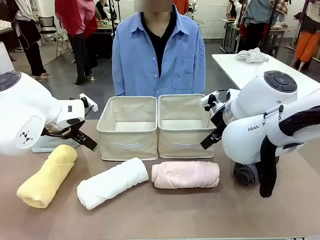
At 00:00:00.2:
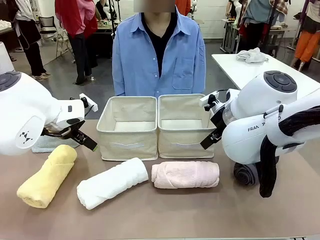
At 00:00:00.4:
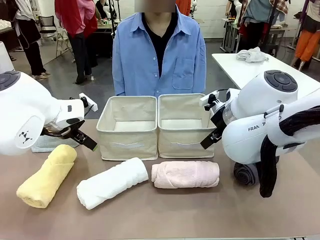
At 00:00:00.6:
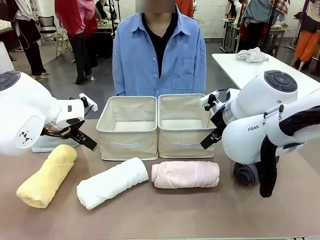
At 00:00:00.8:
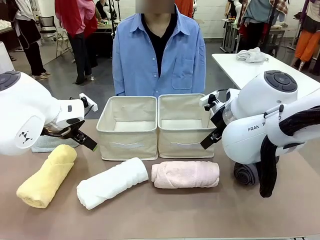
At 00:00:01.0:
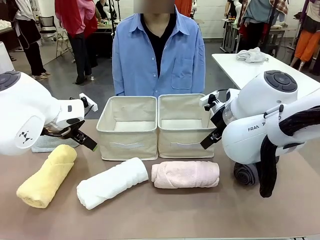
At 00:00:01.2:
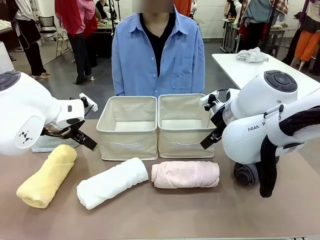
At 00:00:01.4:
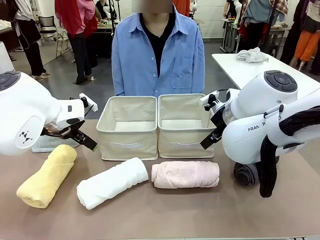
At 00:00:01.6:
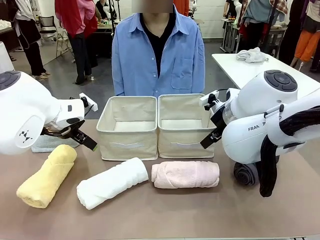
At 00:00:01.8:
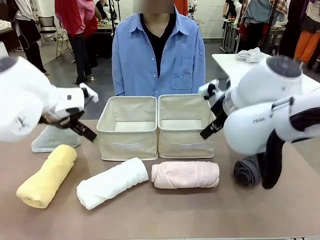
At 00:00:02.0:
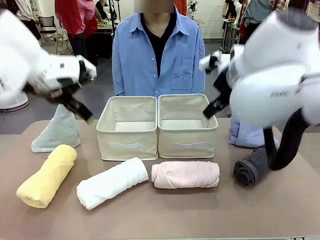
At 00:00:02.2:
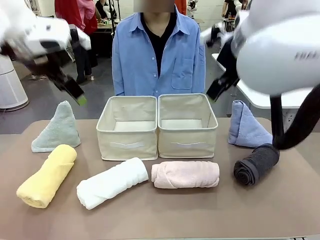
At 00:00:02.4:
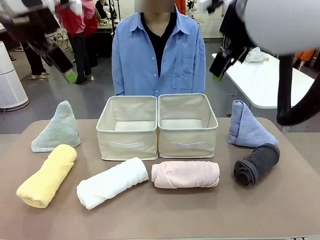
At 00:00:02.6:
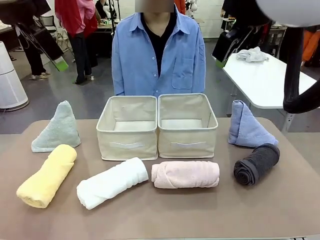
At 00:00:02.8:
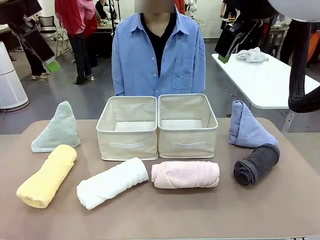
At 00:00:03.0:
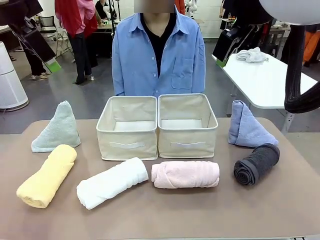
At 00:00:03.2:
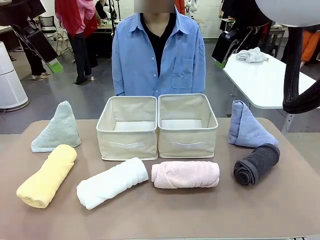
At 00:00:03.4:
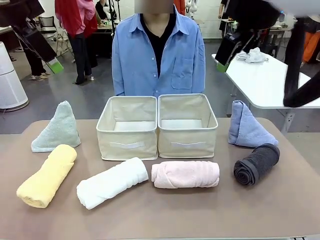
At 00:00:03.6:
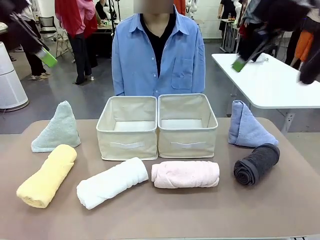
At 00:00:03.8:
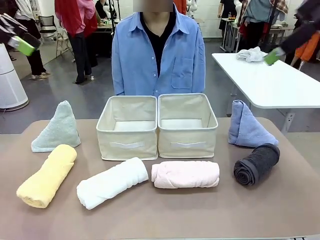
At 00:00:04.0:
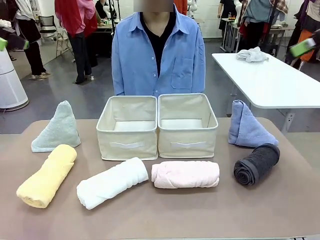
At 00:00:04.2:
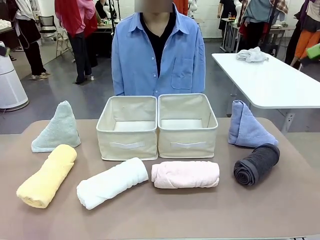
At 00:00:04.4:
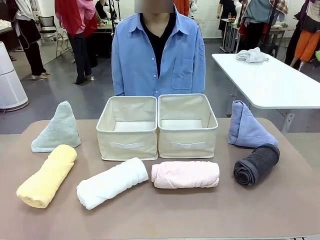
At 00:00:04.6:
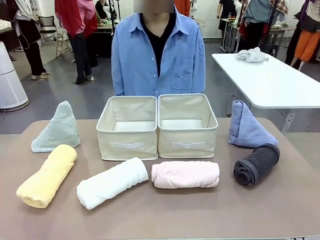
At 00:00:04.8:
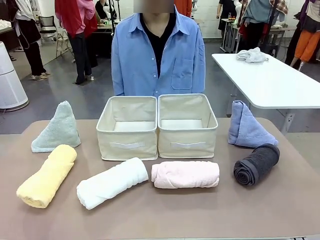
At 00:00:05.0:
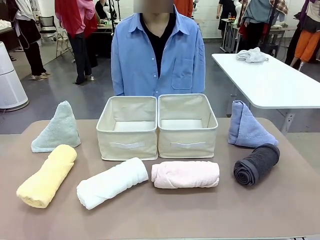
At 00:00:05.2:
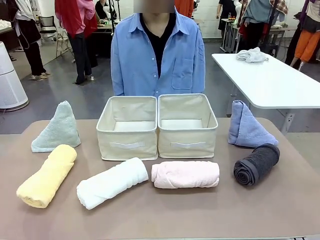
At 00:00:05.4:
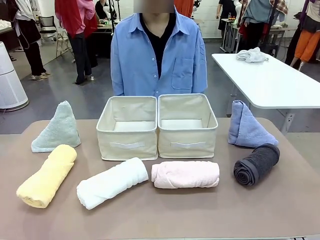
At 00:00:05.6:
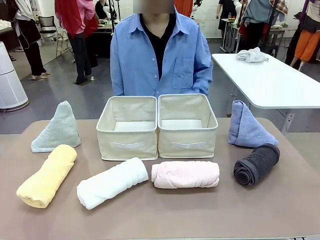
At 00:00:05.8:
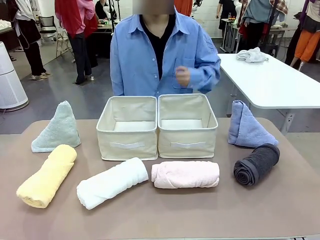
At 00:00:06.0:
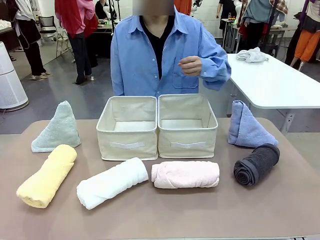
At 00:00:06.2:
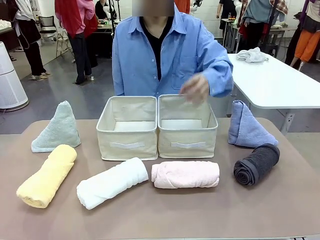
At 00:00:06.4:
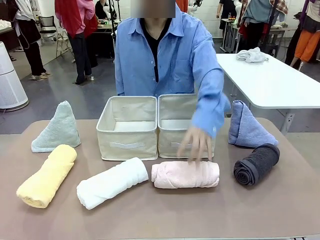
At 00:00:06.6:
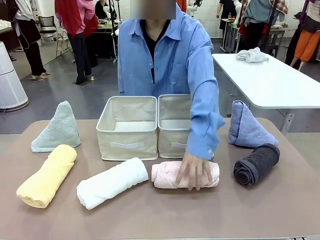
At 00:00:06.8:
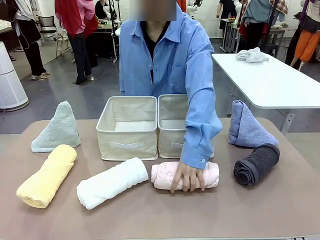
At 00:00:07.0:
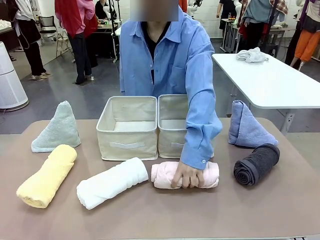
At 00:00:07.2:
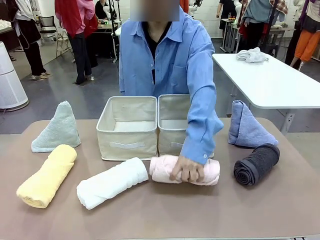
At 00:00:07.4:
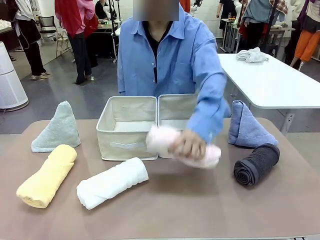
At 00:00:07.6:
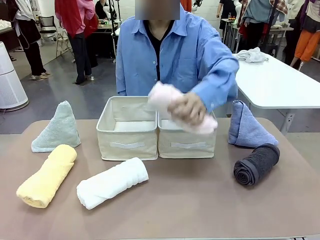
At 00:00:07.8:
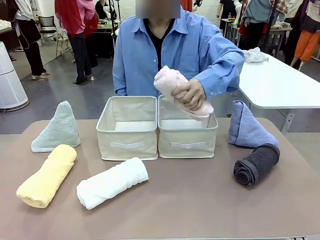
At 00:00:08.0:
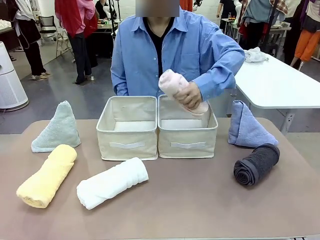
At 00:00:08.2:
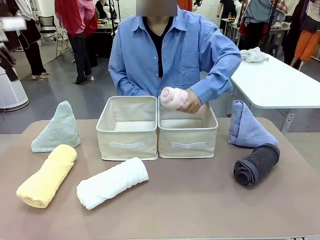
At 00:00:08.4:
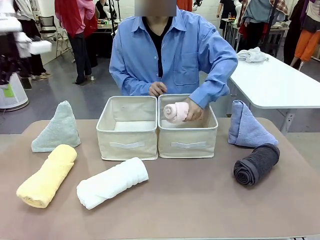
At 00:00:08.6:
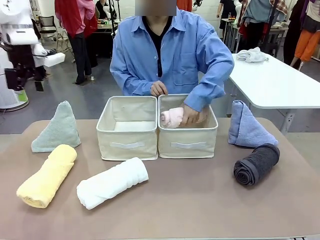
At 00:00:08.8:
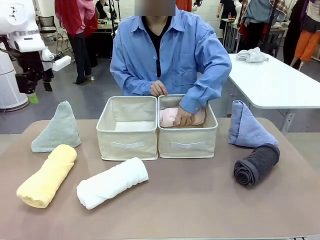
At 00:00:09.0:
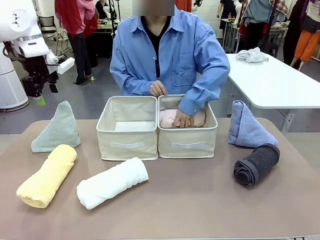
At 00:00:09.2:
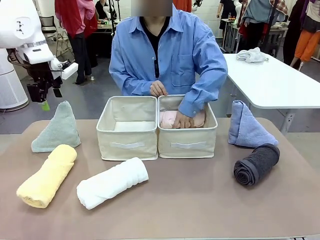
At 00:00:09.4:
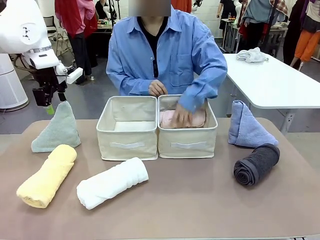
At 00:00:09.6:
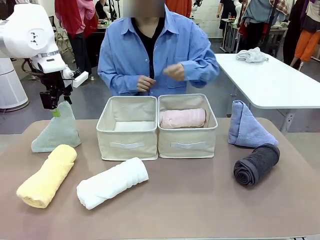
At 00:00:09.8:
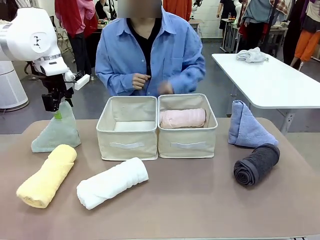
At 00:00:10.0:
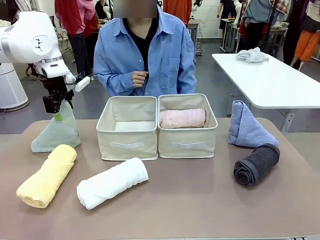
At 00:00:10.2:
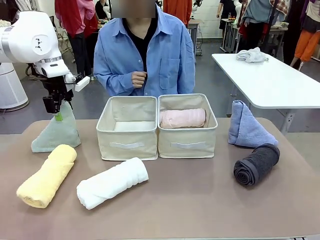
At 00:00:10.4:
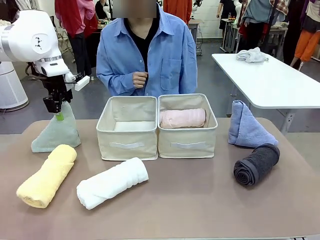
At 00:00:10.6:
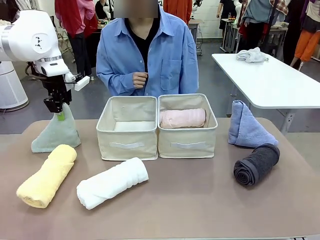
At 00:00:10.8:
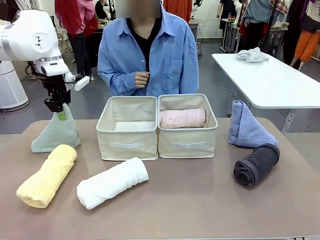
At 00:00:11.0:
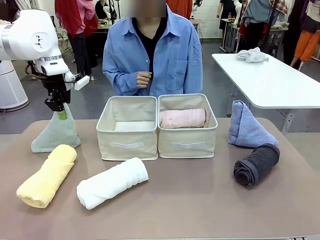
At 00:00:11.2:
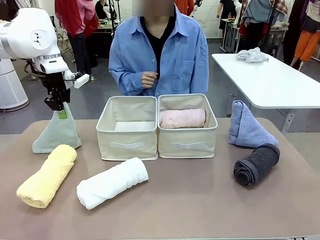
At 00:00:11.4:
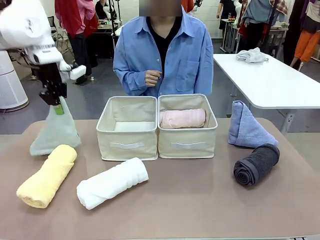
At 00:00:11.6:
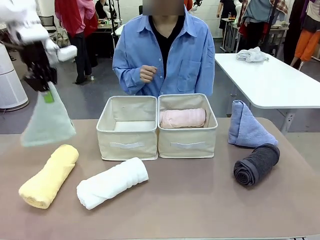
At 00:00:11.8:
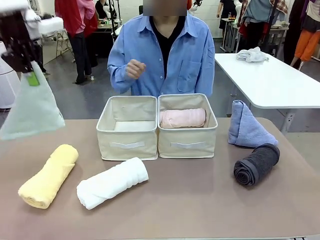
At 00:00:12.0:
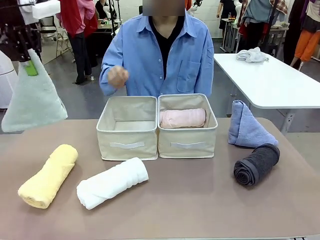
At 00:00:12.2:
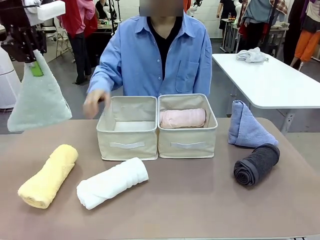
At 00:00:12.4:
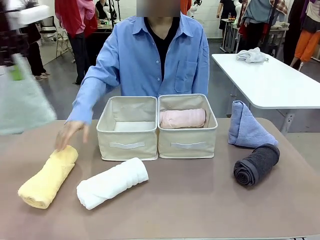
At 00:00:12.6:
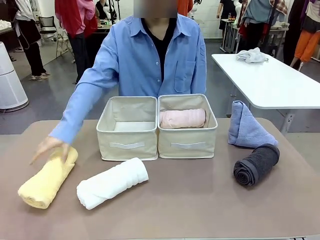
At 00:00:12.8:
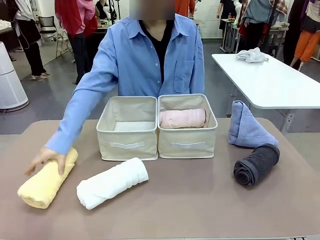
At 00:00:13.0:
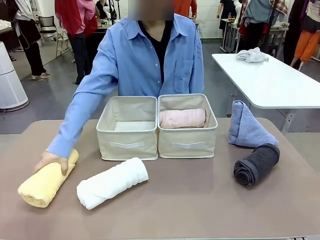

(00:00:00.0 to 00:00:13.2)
Task: Sort the towels based on their folding style.
Robot: Pick up one triangle-folded towel and place it in the left Fabric basket.
Person: Pick up one hotel-style rolled towel and place it in the left fabric basket.
